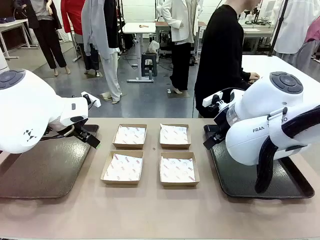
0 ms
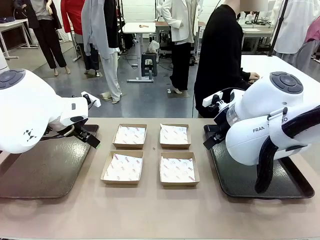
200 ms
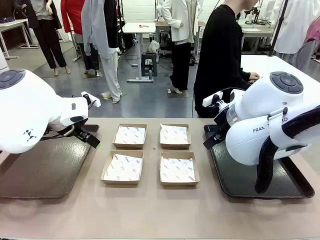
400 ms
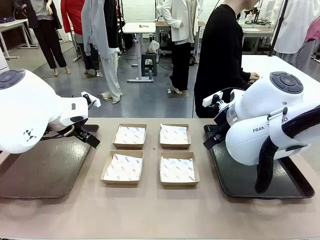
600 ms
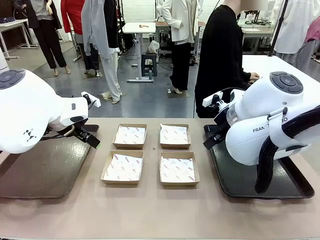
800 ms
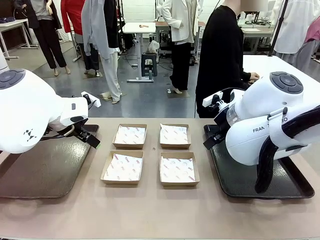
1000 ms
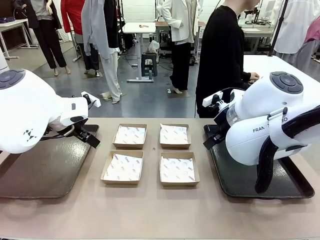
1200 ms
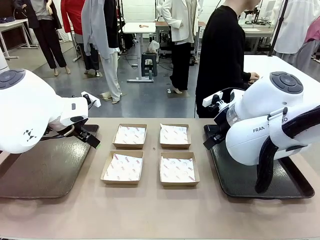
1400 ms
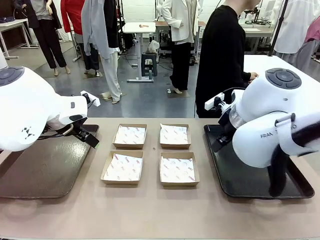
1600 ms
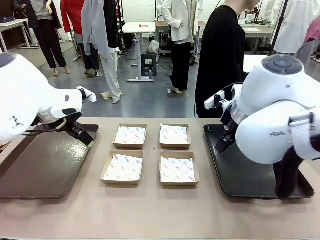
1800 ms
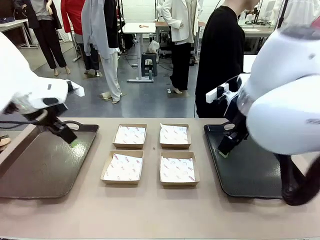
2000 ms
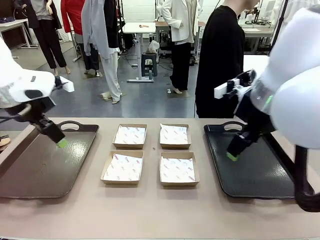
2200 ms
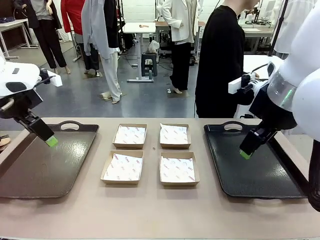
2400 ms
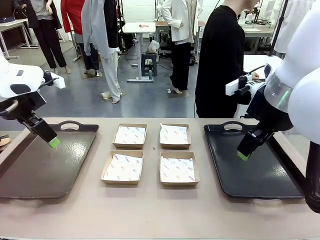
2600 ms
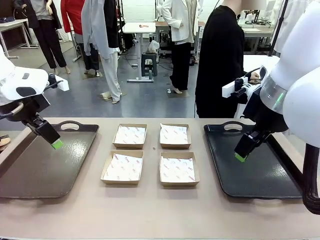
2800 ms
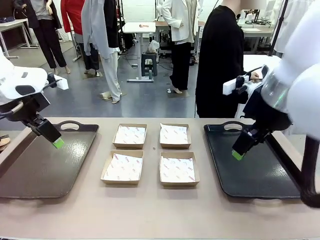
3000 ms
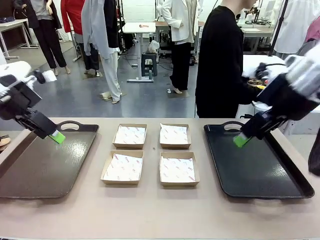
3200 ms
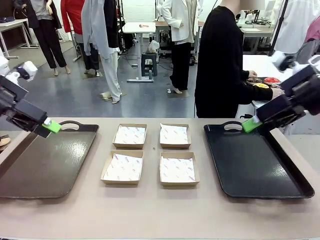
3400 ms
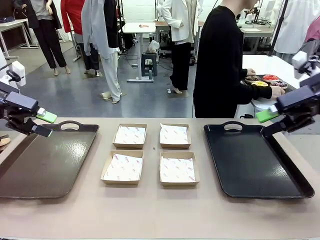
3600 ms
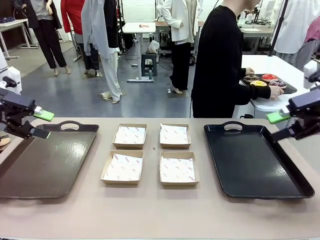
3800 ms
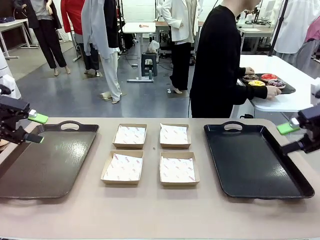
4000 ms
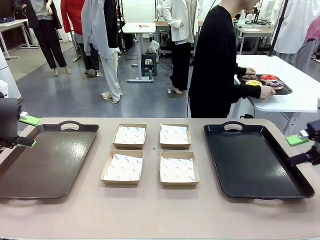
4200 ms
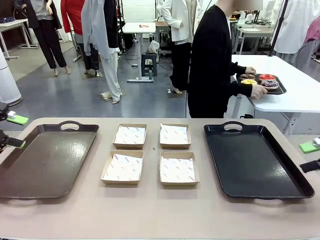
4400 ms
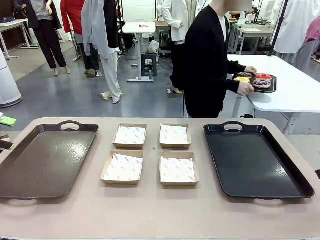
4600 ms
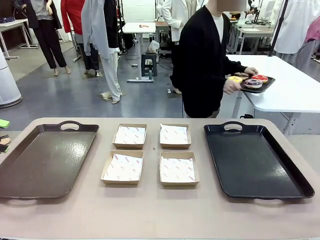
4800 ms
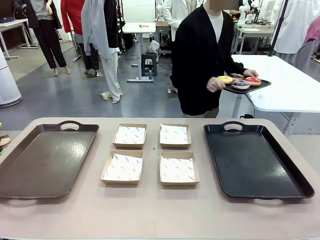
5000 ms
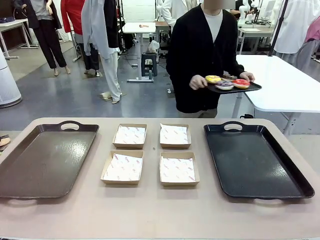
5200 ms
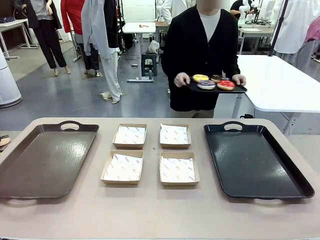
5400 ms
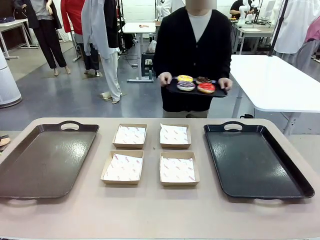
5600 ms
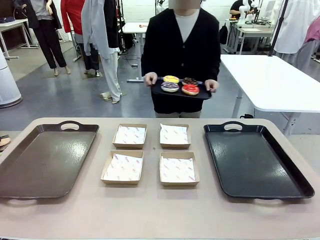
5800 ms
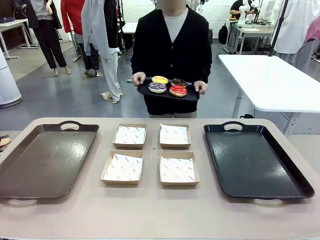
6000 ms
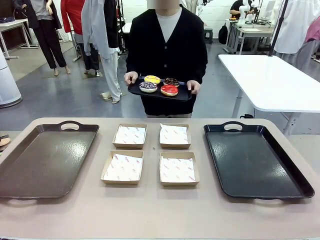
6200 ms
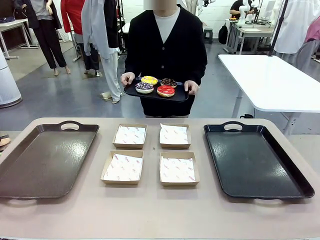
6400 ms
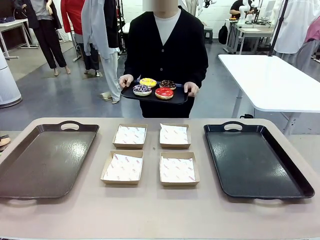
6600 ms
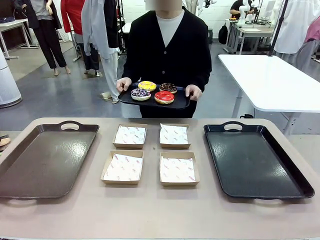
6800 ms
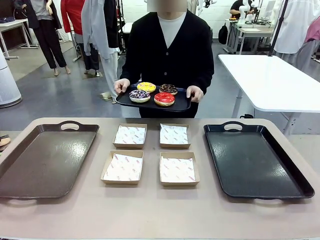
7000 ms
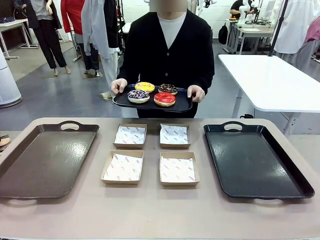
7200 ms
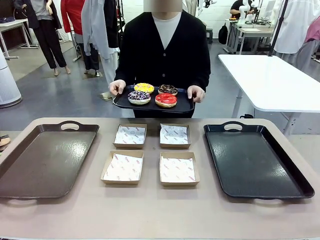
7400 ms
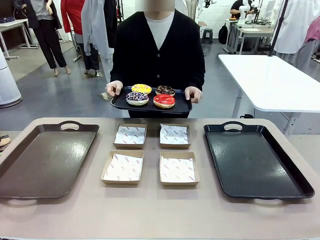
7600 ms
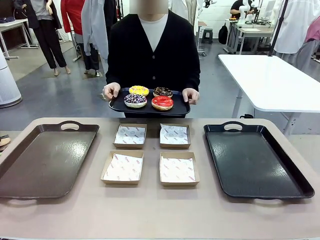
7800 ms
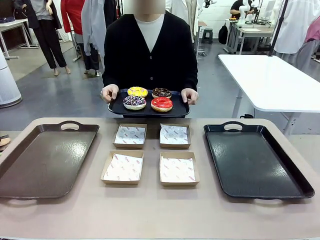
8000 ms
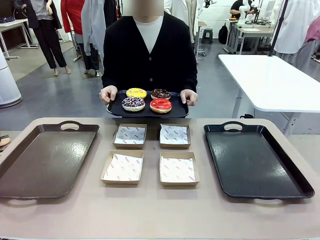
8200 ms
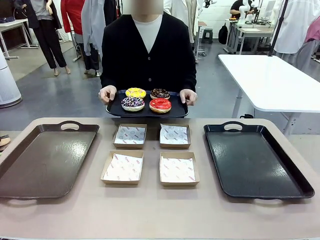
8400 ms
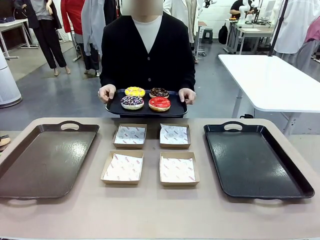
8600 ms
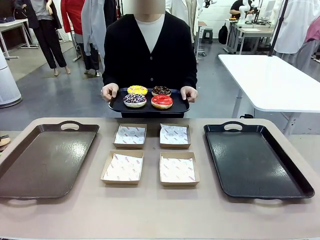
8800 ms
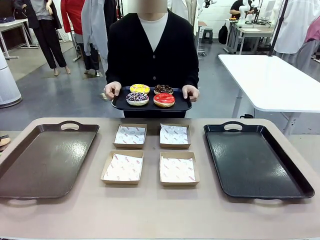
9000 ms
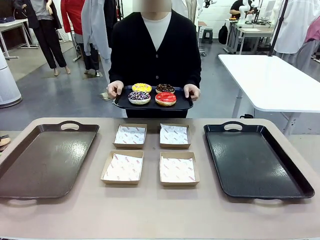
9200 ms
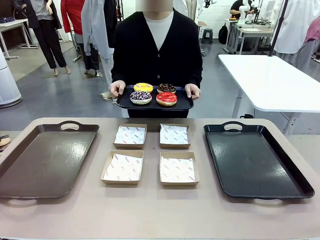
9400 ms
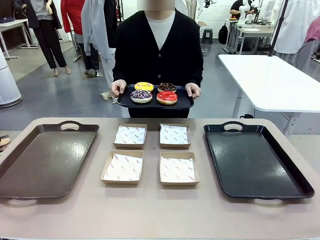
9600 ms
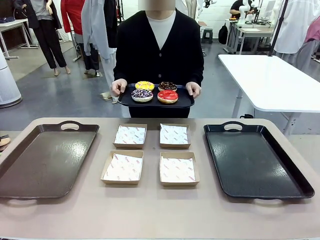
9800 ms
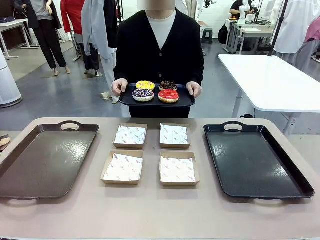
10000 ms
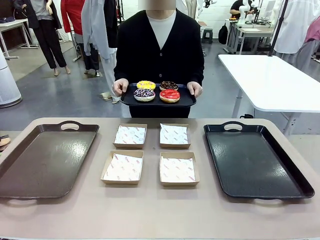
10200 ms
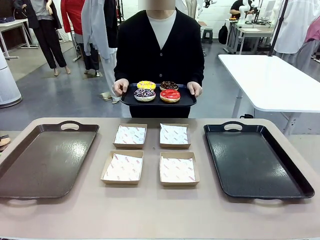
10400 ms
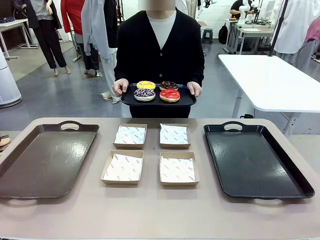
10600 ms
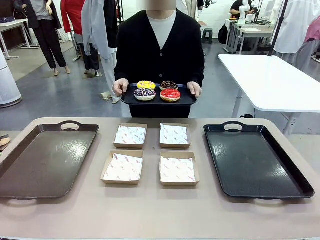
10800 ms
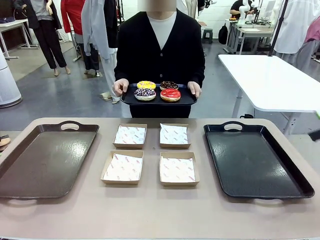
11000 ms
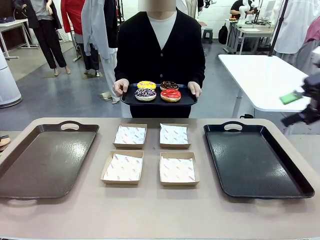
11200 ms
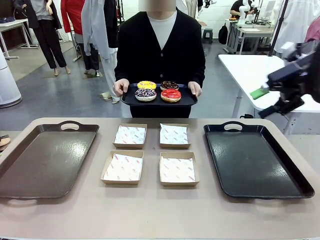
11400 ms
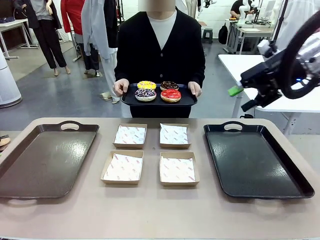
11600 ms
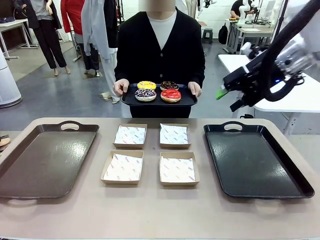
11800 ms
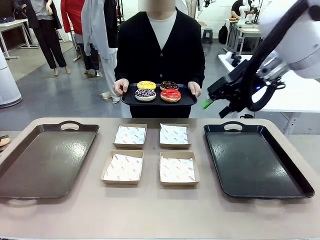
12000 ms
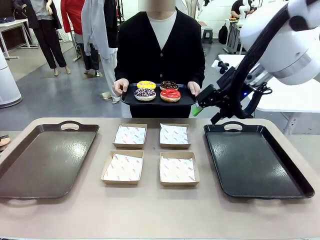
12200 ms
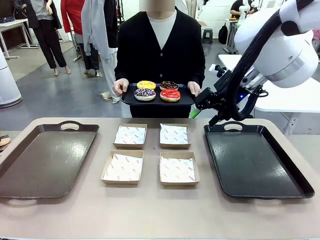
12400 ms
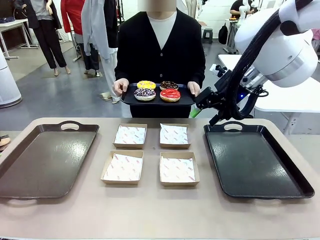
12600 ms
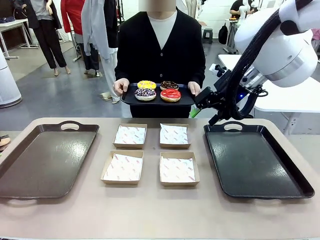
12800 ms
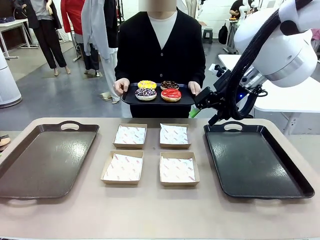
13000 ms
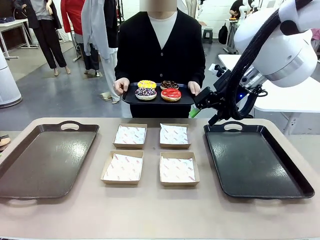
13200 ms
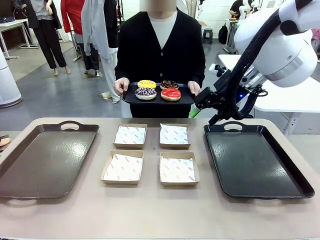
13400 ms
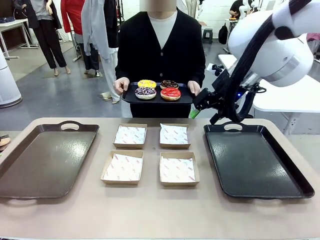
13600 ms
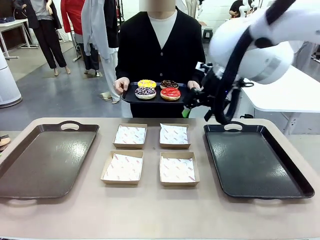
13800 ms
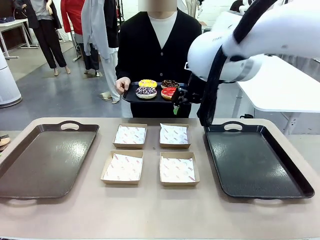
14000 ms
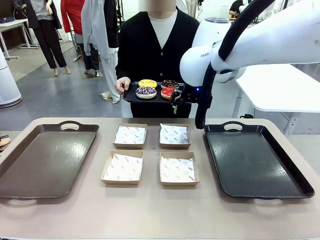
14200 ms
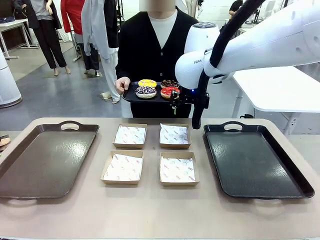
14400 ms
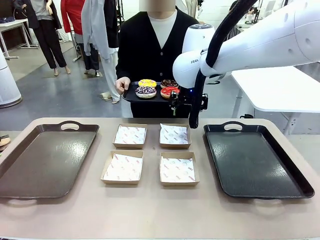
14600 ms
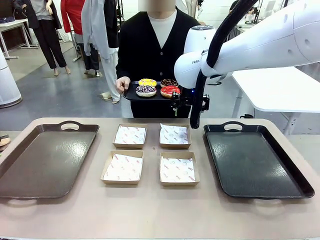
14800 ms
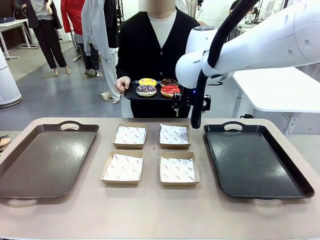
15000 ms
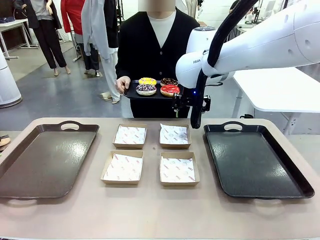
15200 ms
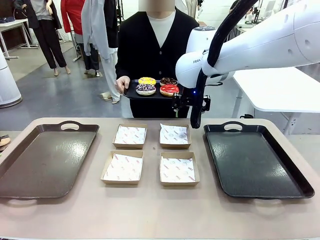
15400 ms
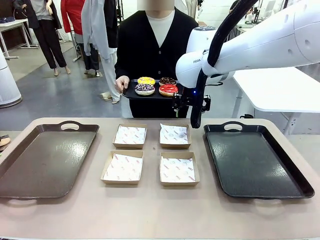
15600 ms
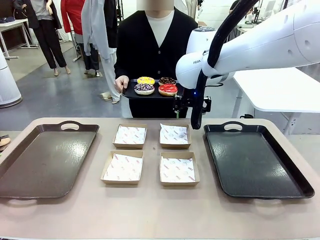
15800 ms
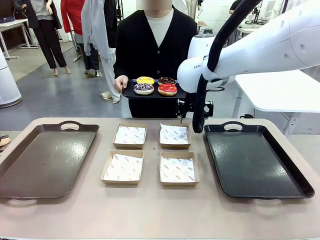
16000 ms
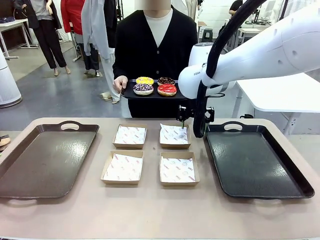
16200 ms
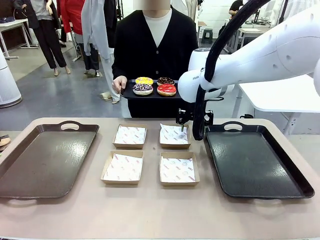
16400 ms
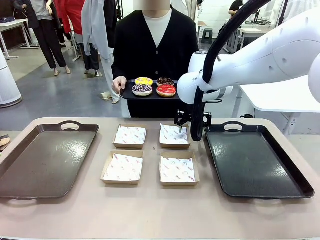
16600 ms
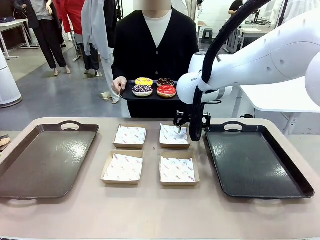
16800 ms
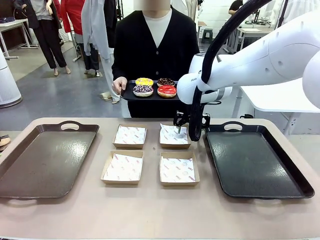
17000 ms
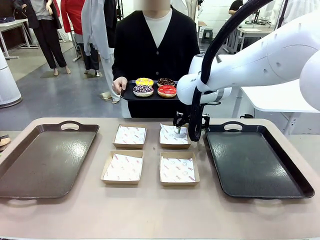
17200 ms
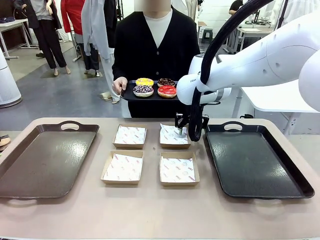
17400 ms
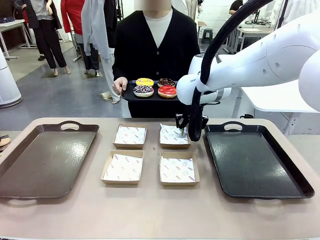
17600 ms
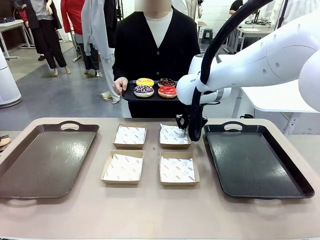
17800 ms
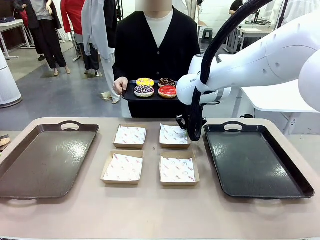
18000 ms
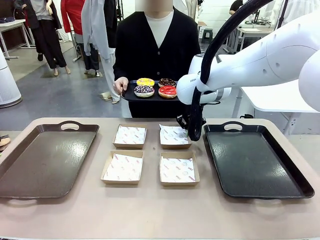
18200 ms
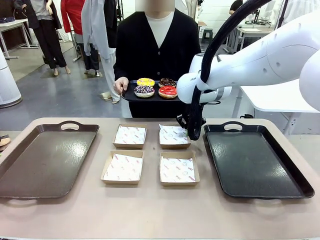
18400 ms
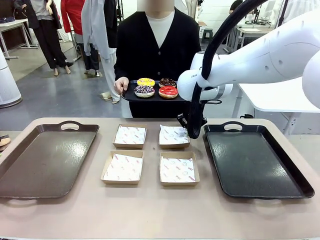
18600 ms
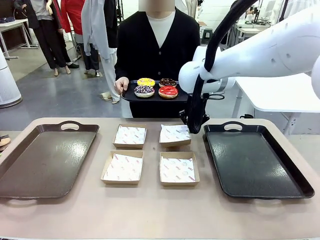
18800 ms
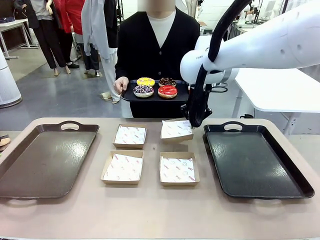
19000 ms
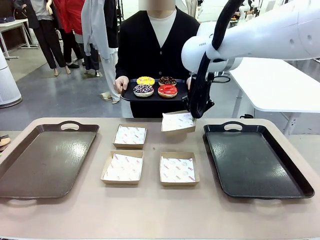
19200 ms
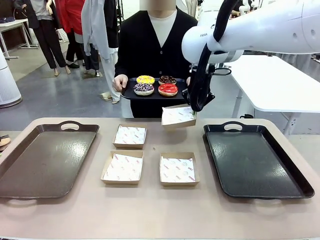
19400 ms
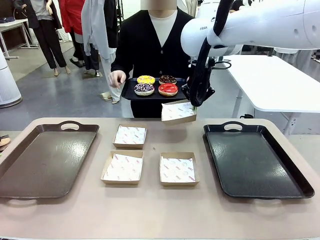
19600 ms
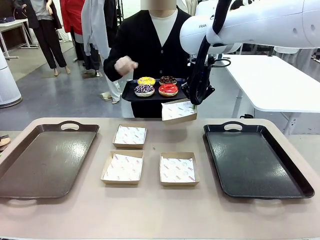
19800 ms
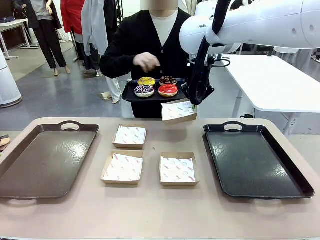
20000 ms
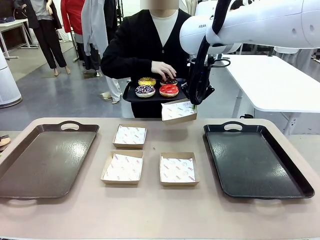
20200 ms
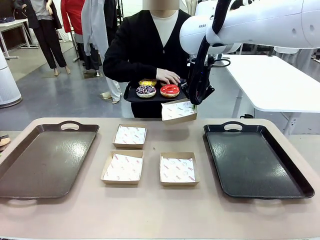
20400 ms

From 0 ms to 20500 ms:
Task: Individually package the donuts and arrange them on the tray.
Robot: Pick up one Paper togo box.
Person: Stand in front of the robot table holding the tray containing the donuts.
